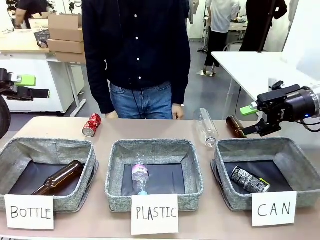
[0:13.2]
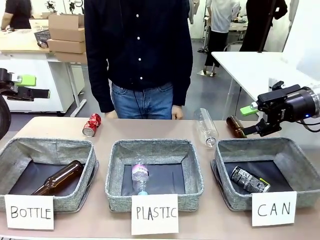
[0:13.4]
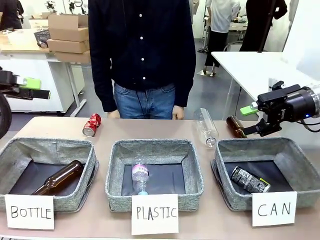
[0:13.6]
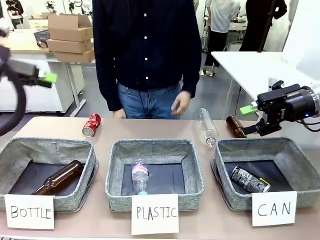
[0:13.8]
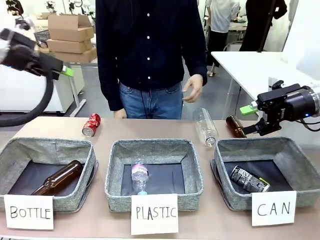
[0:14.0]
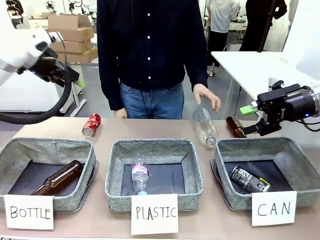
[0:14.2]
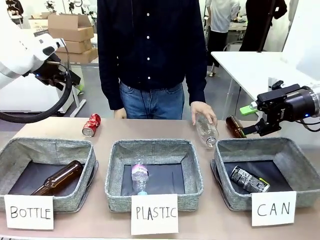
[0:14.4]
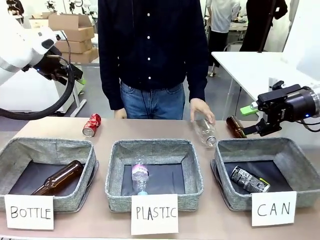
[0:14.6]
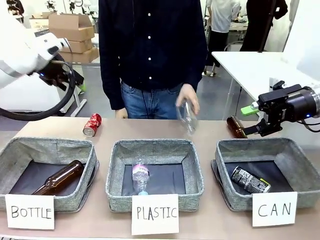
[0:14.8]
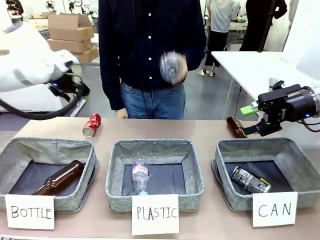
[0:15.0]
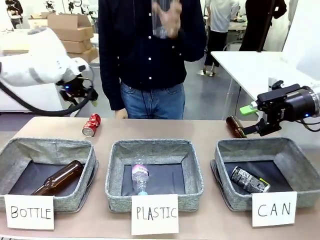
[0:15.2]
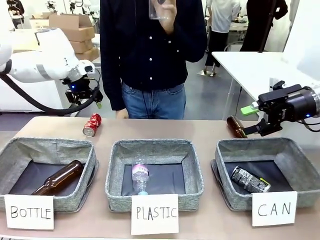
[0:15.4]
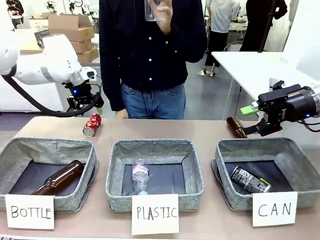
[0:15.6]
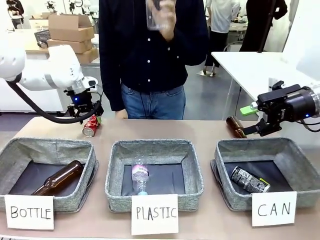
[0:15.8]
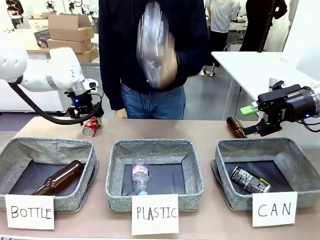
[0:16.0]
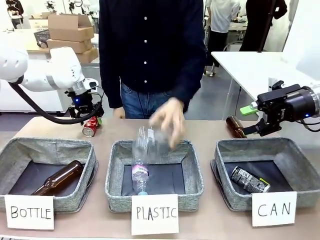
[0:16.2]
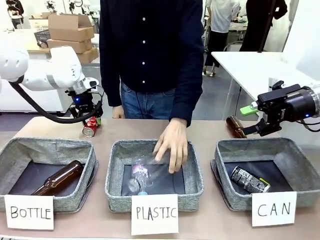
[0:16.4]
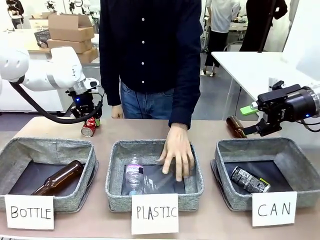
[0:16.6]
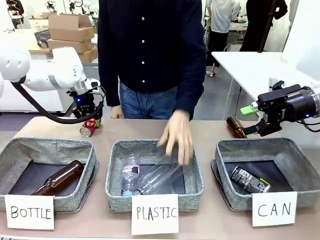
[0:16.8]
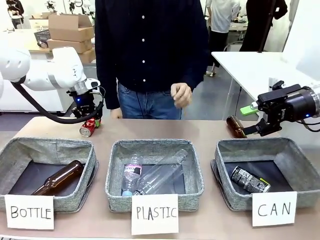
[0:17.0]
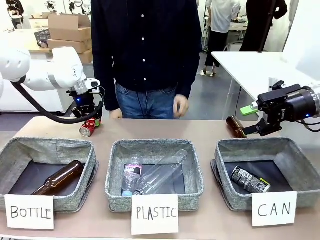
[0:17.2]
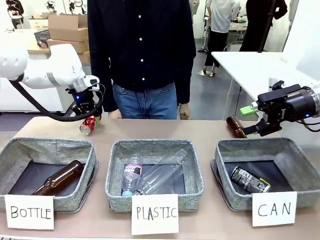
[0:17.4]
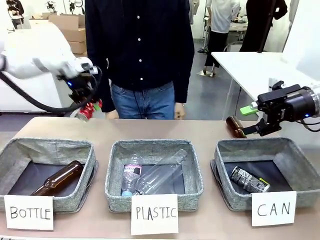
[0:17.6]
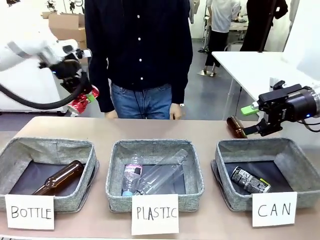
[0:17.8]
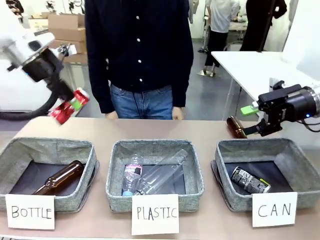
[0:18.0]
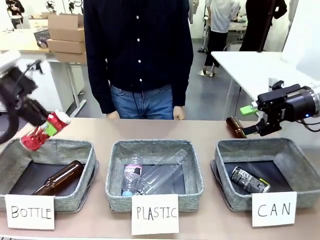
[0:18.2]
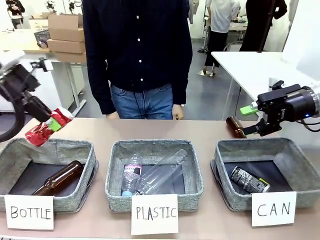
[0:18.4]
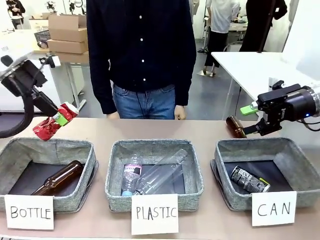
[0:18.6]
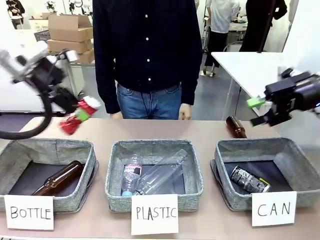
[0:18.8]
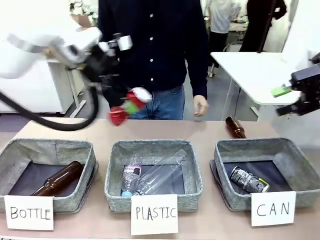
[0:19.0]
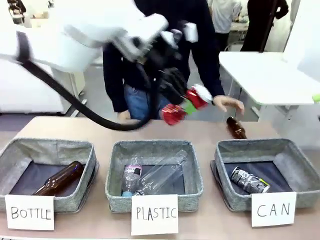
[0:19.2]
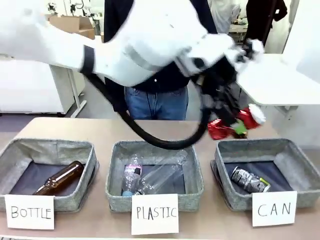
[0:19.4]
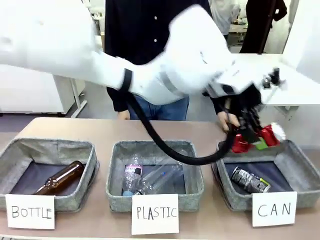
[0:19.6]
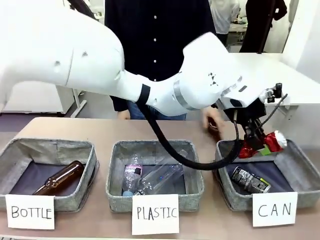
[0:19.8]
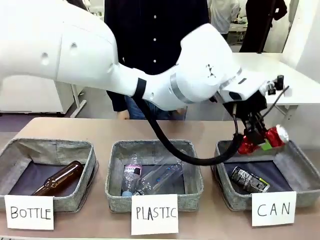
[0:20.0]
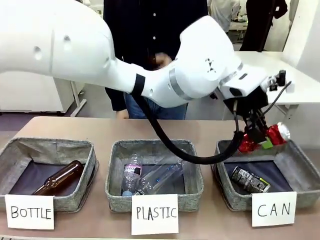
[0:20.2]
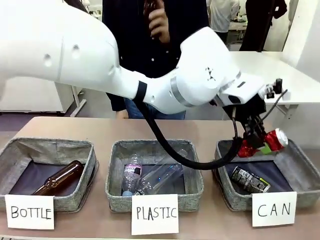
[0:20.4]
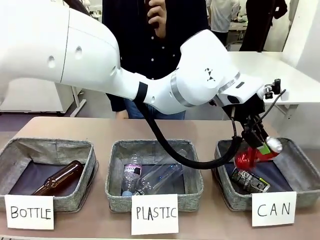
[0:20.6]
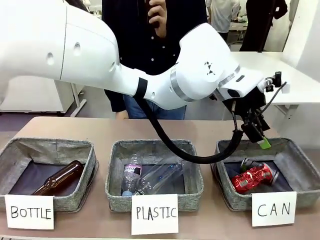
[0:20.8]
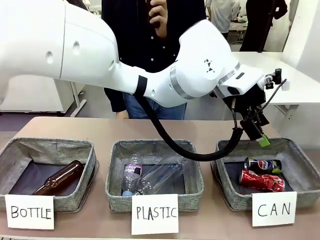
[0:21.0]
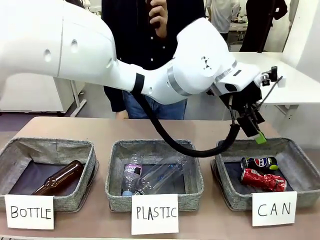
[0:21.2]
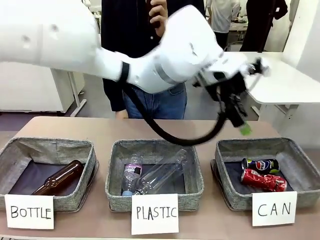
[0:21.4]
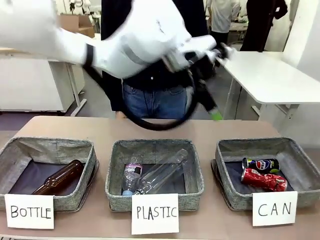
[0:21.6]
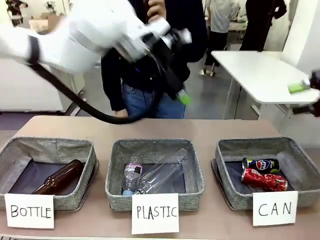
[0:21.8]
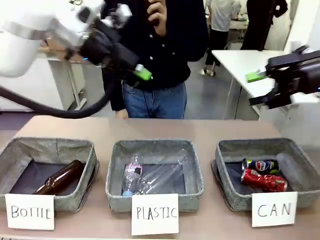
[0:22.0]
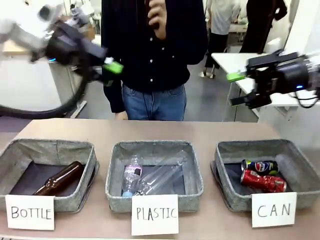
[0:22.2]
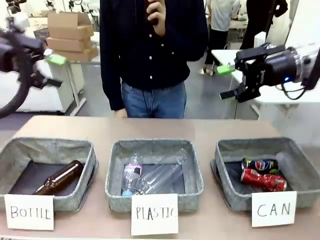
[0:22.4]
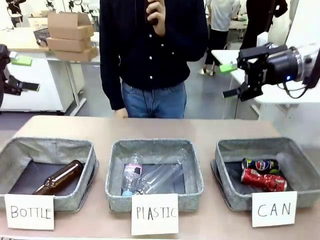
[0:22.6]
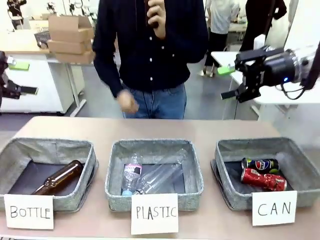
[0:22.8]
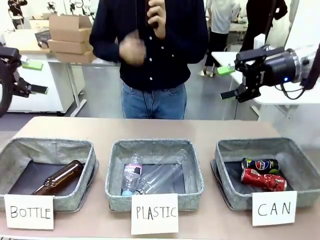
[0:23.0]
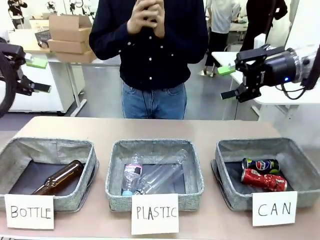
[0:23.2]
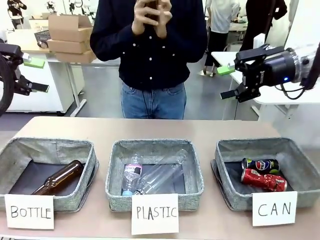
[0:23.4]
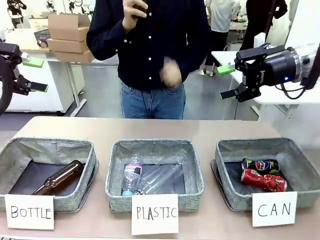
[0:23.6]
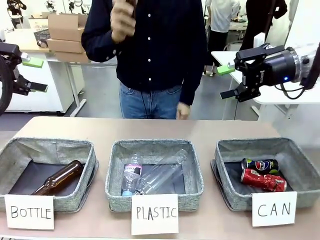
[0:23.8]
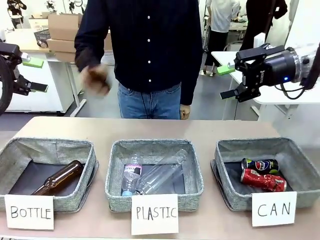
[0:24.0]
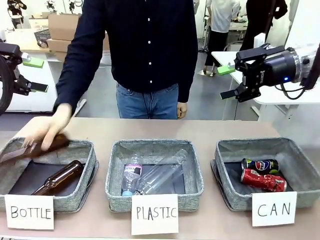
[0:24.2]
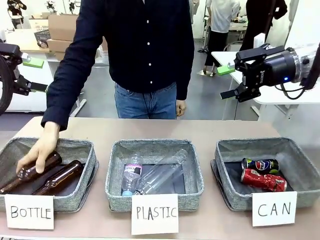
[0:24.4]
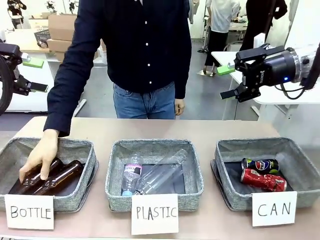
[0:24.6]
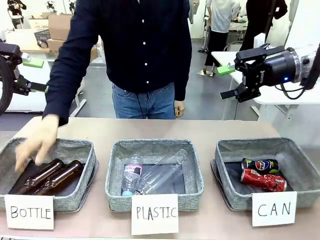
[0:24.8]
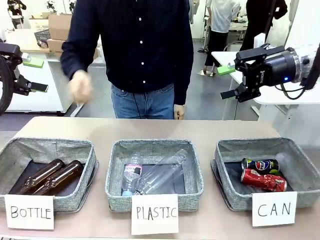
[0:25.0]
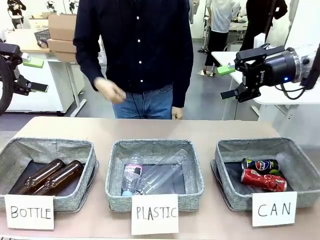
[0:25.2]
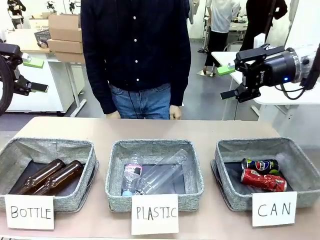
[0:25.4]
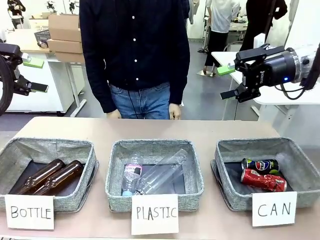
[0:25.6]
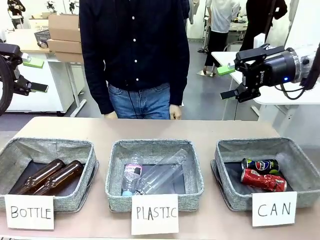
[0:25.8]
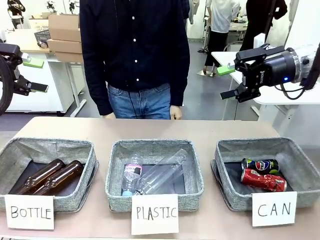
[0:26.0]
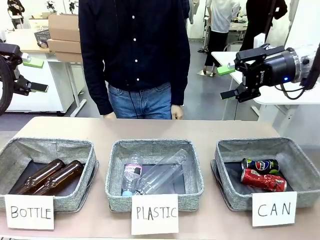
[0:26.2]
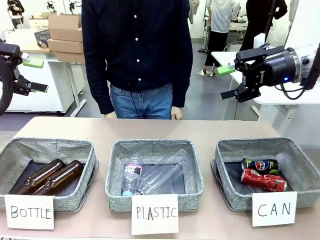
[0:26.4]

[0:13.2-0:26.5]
Task: Sort the can waste into the basket.
Robot: Pick up the can waste from the table and place it in the right Fabric basket.
Person: The human picks up one piece of trash that is not a can and places the trash into the appropriate organizing basket.

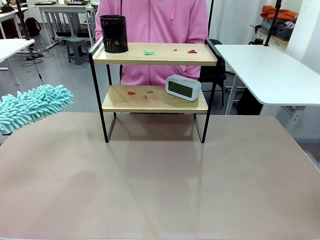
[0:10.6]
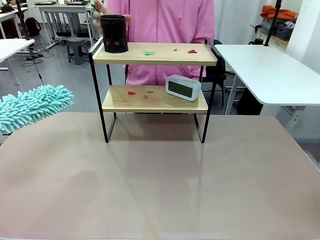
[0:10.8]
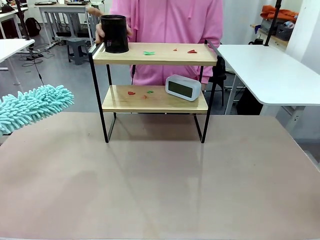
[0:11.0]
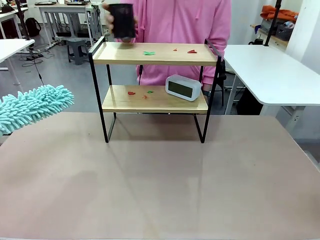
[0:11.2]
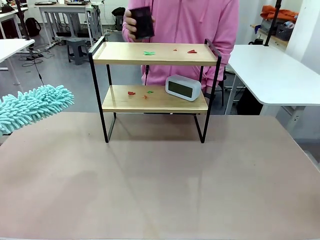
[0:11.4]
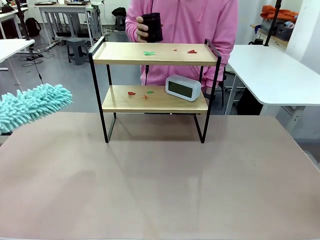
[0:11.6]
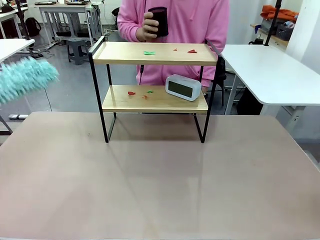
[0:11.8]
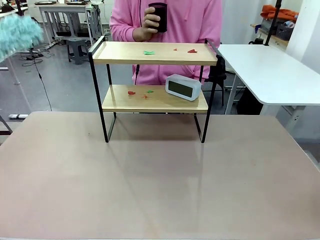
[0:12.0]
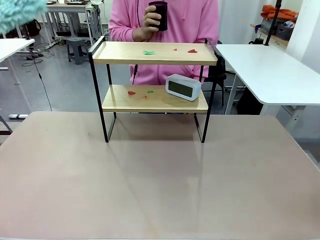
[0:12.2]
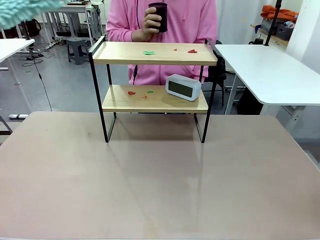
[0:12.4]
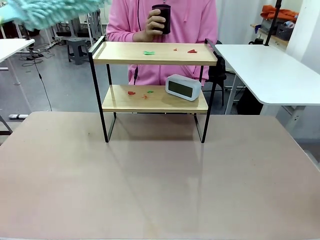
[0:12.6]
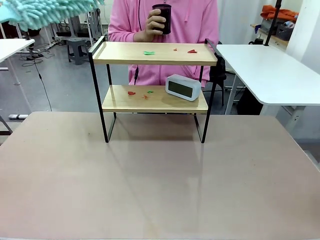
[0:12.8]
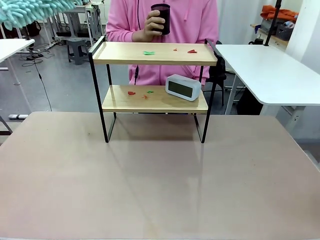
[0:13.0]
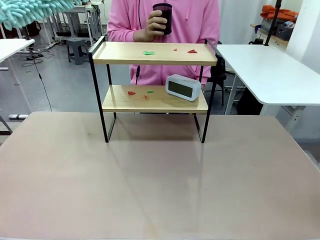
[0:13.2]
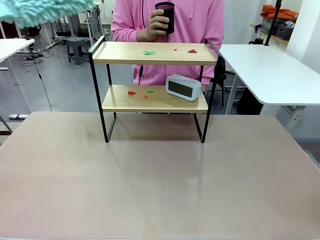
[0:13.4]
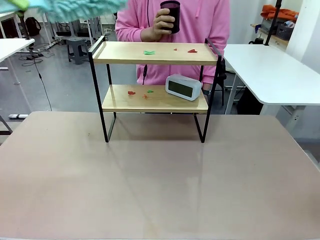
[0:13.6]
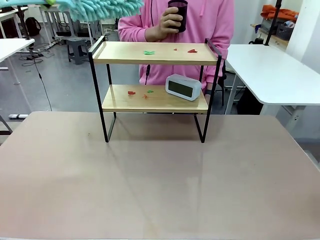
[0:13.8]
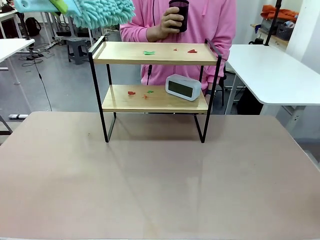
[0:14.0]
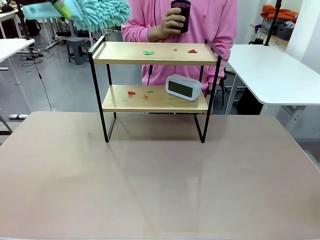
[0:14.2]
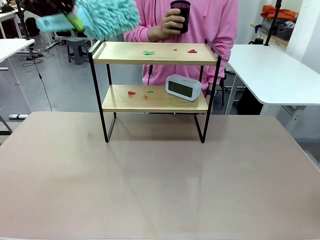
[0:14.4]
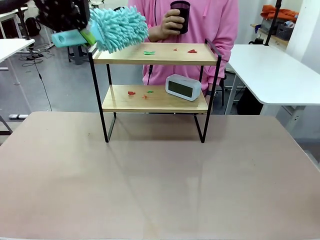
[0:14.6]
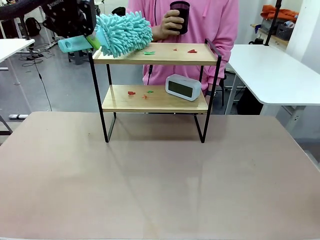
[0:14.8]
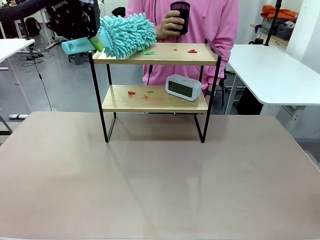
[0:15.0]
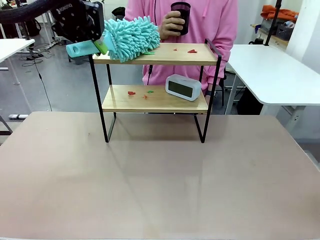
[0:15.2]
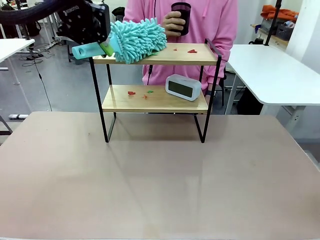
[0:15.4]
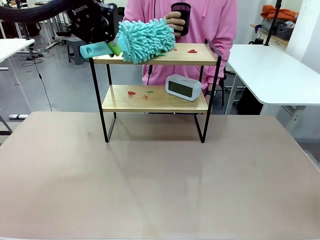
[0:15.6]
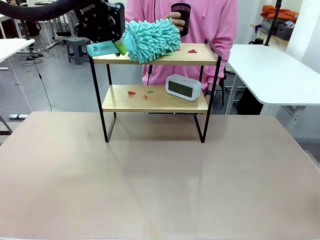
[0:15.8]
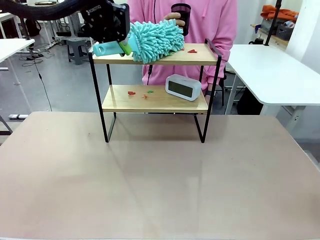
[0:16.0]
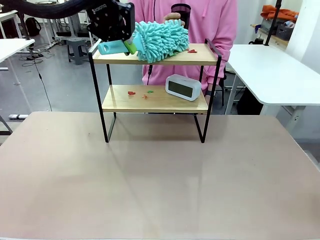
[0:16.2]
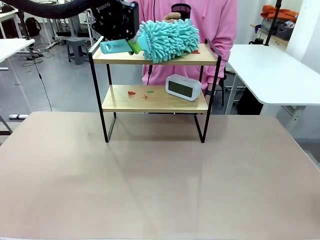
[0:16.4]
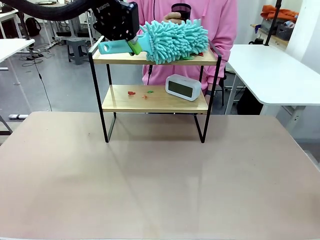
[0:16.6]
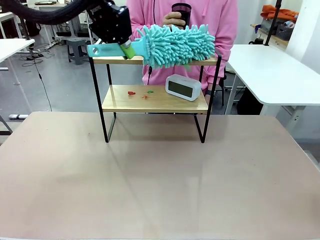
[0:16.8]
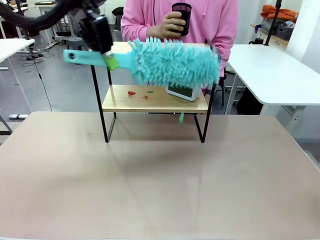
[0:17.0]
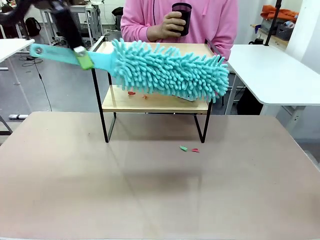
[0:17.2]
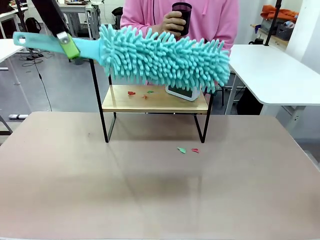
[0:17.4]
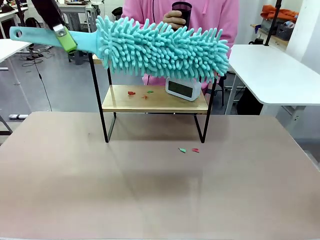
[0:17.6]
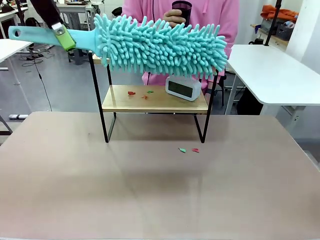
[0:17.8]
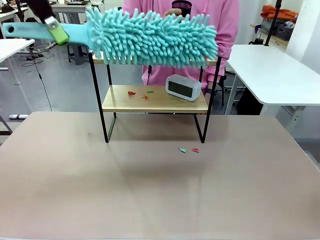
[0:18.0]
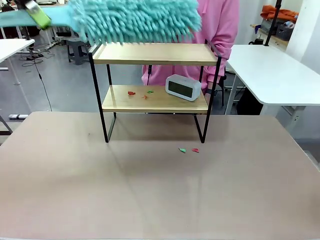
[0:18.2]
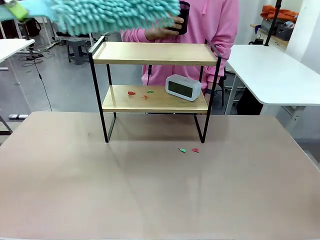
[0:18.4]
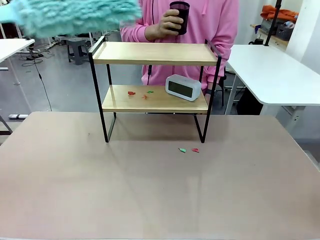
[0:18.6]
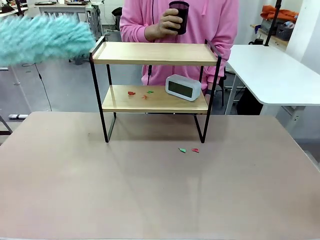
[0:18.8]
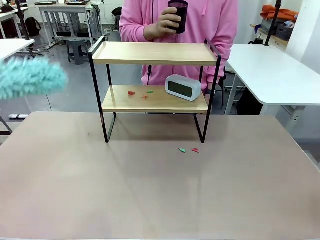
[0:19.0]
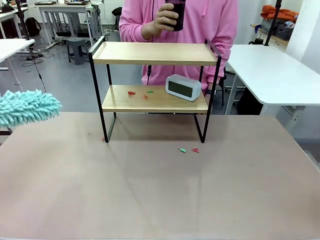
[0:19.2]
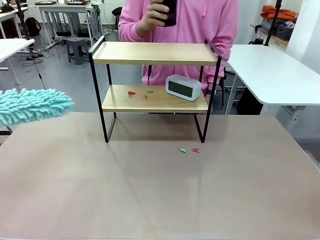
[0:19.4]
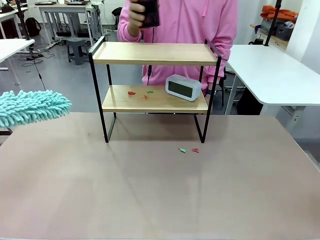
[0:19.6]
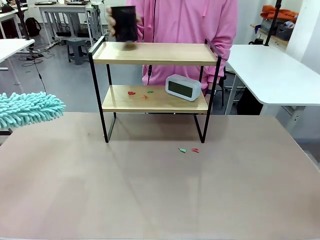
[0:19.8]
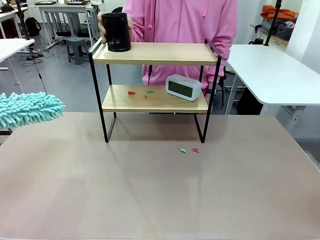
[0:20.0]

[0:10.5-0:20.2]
Task: Clean the shelf.
Robot: Clean the specific tier of the Shelf with the Duster once objects are removed.
Person: Lift the objects on a randomly selected tier of the Shelf. Once the robot finishes cleaning, lift the objects on the remaining tiers of the Shelf.
